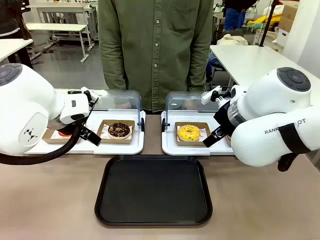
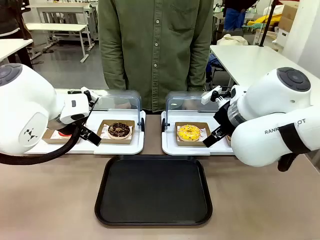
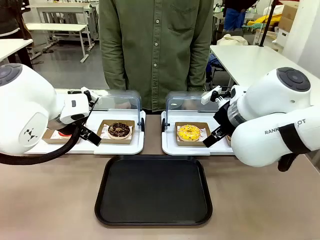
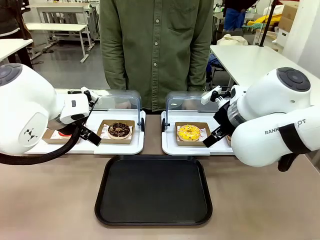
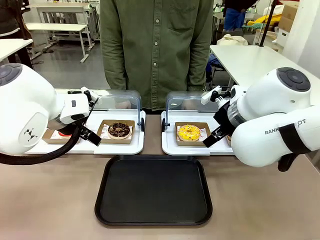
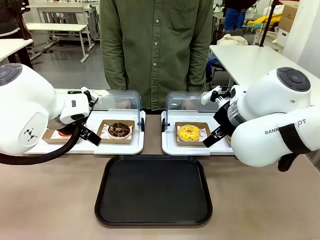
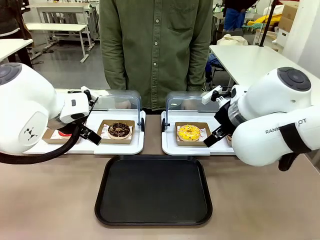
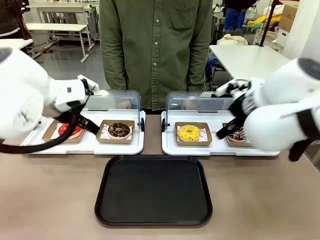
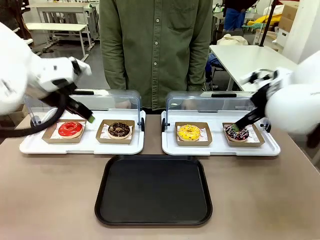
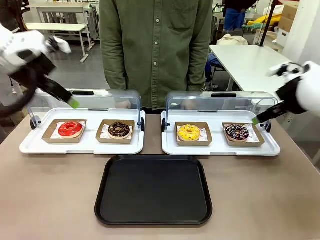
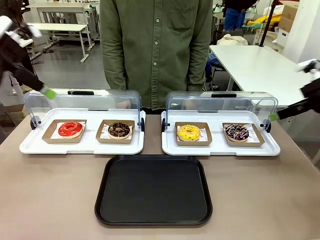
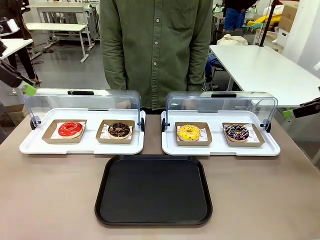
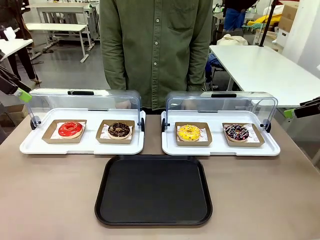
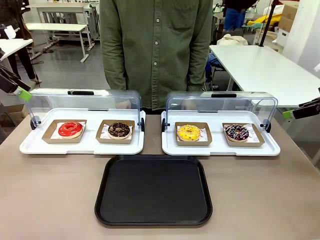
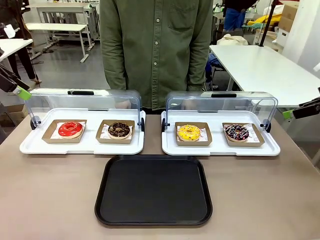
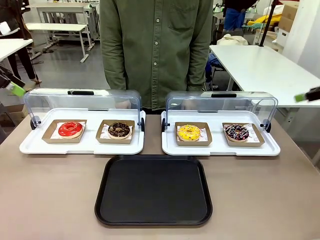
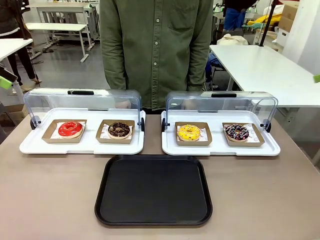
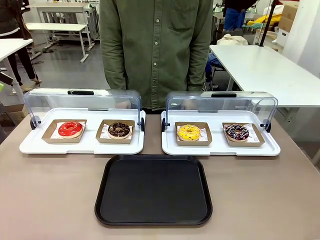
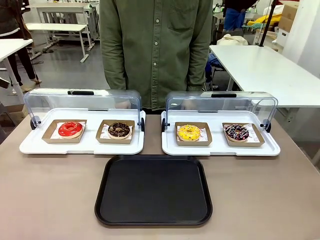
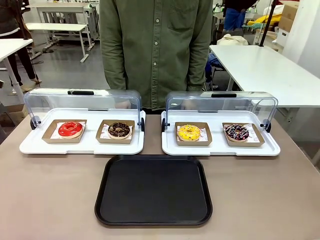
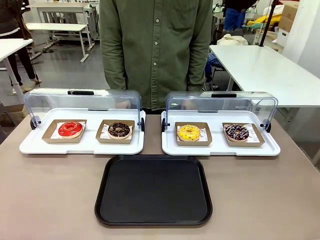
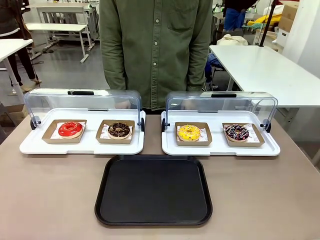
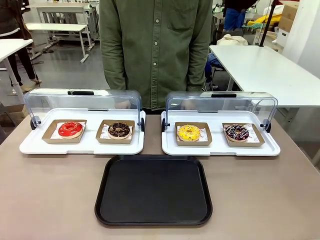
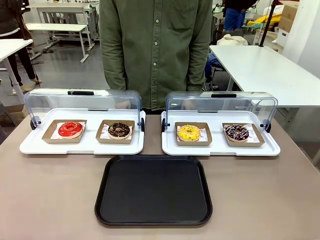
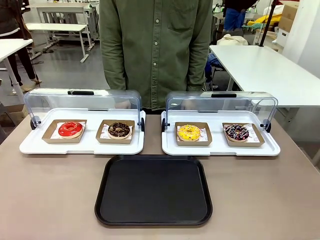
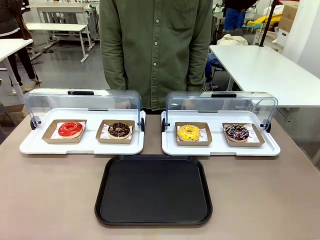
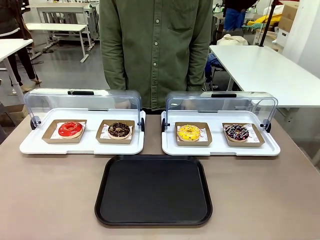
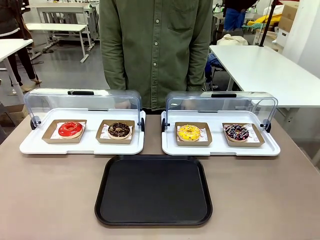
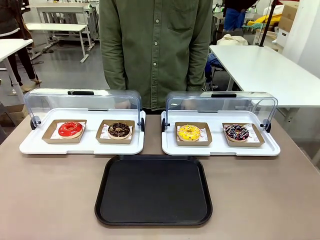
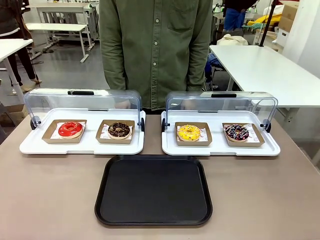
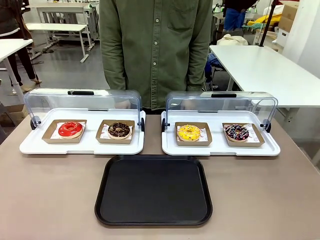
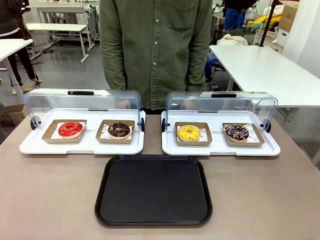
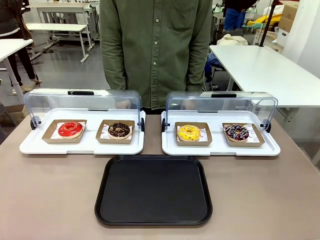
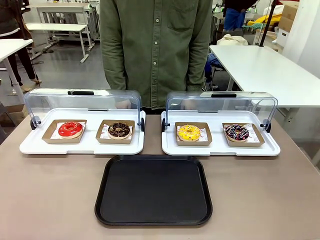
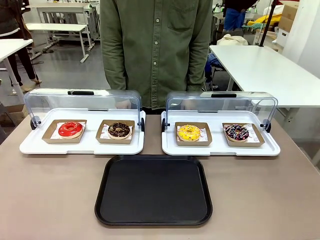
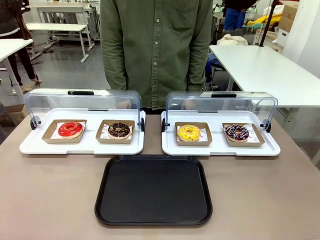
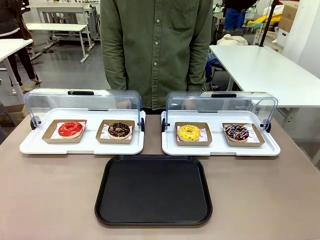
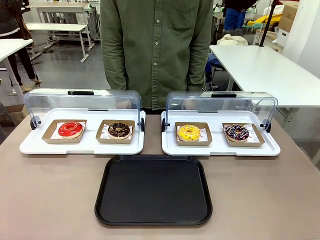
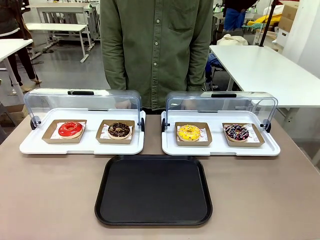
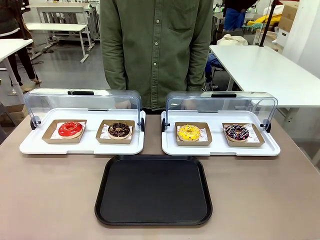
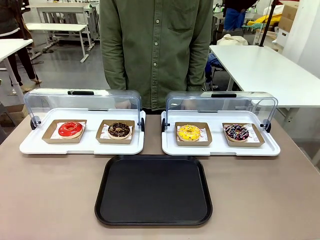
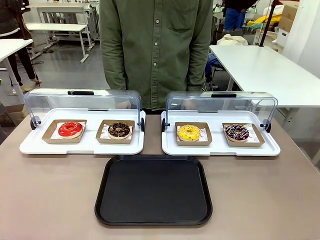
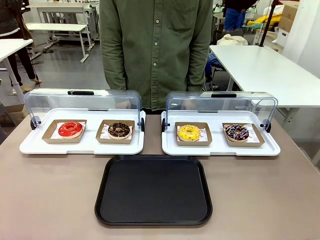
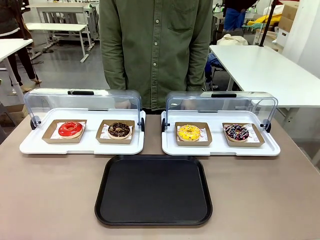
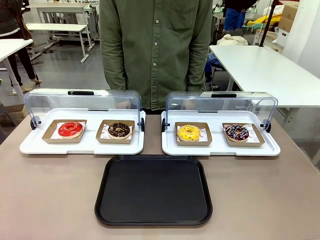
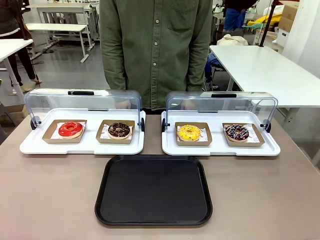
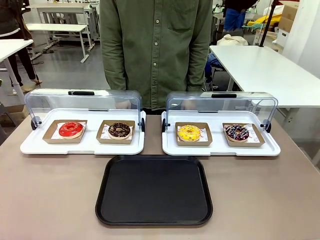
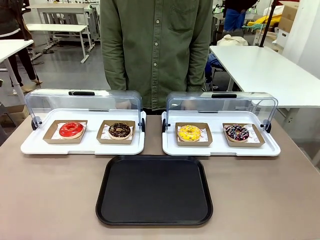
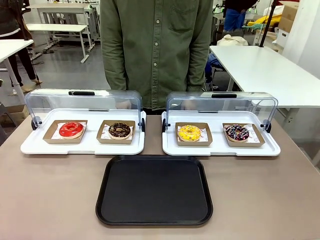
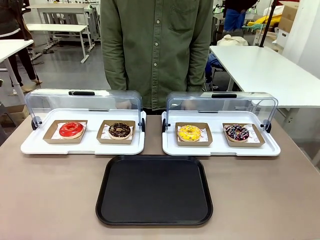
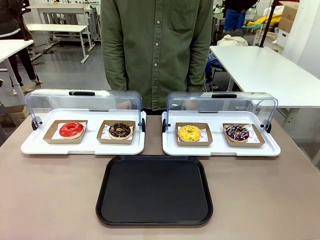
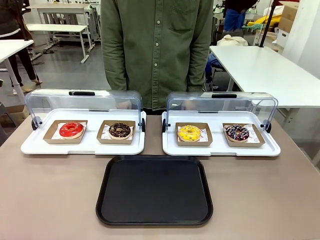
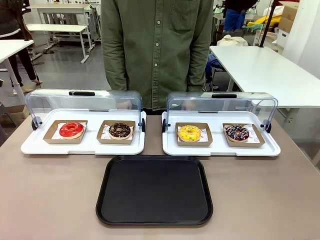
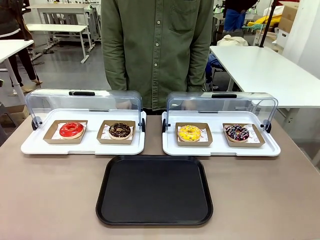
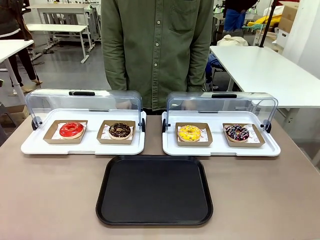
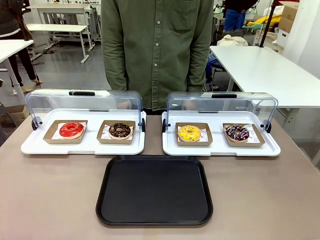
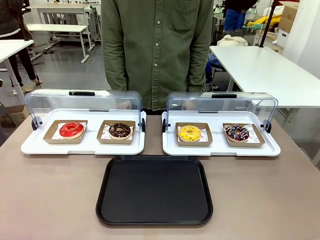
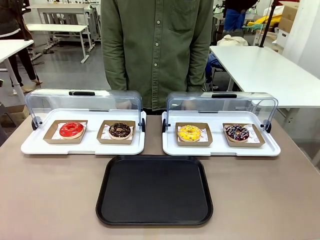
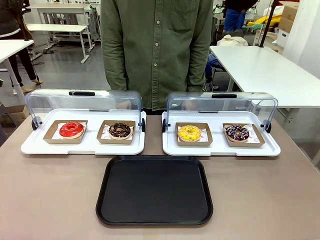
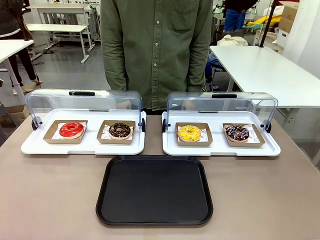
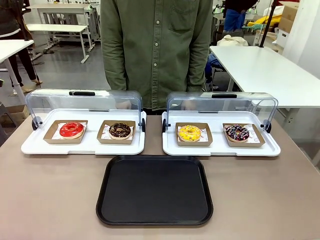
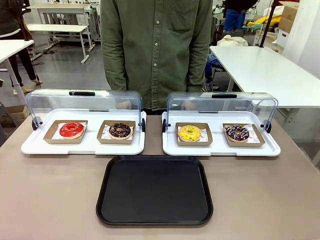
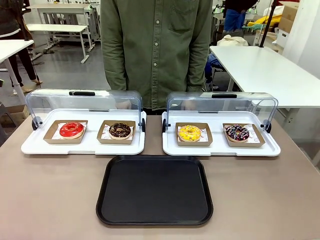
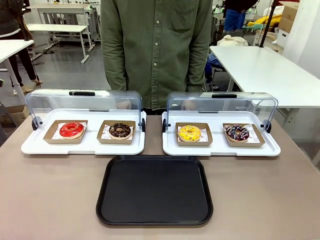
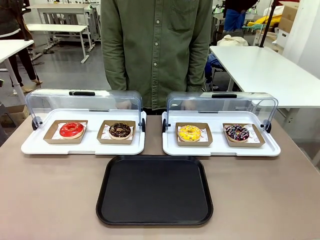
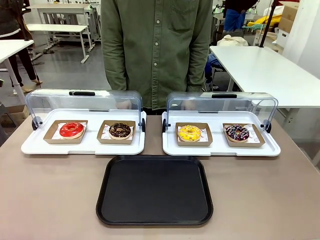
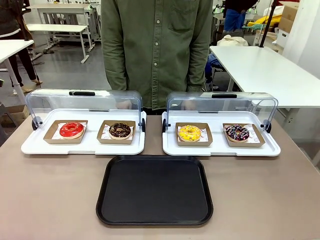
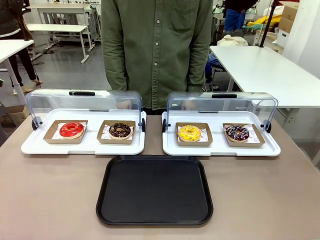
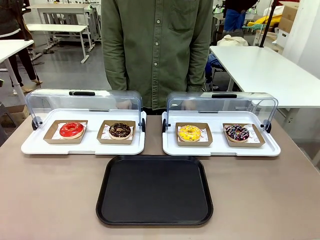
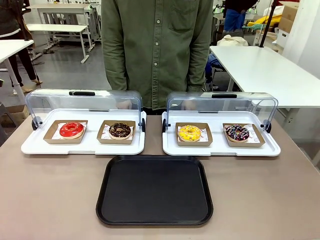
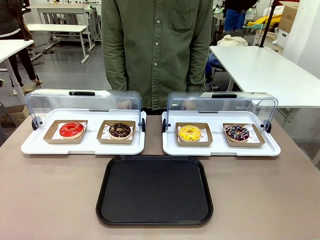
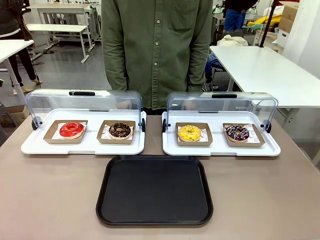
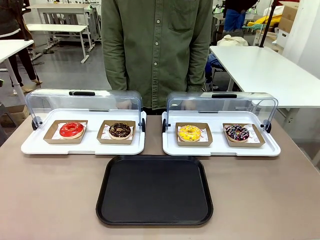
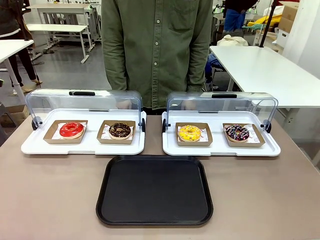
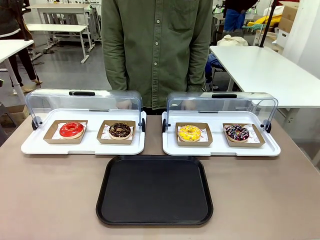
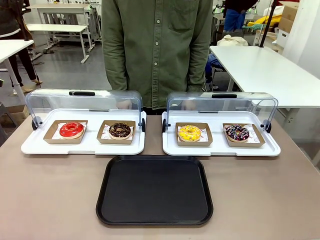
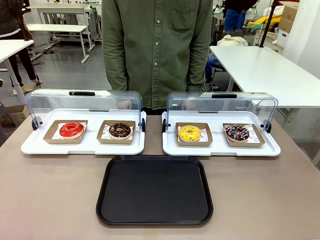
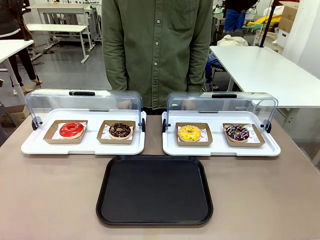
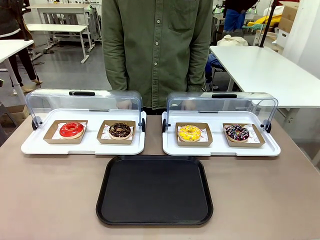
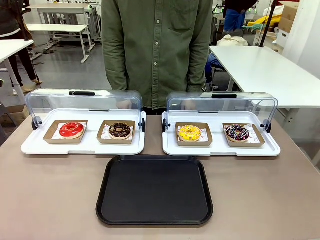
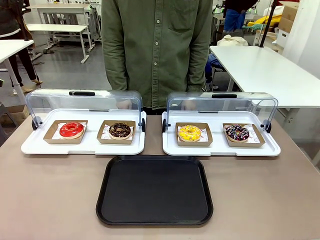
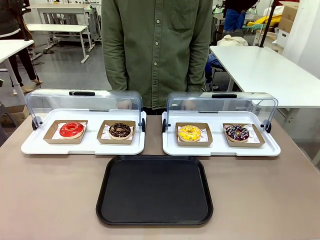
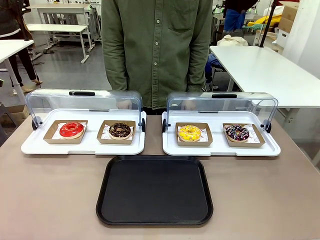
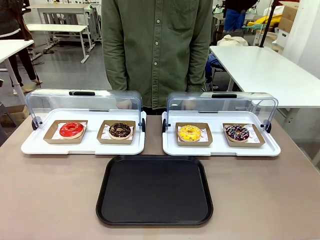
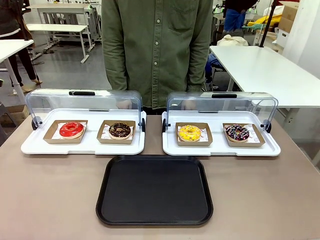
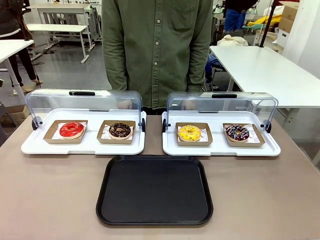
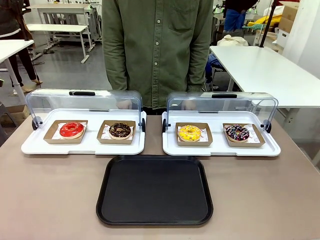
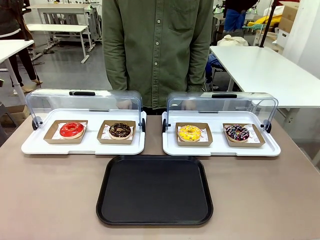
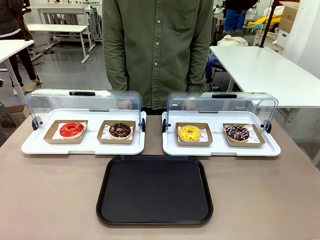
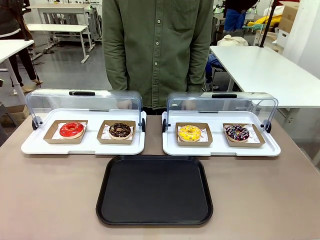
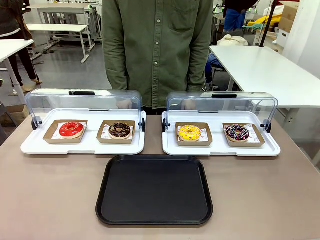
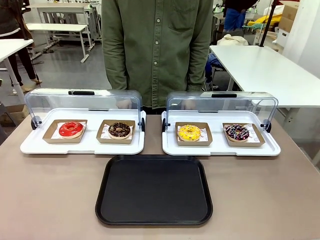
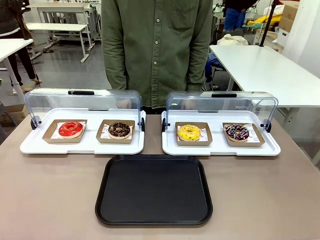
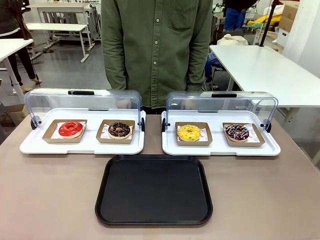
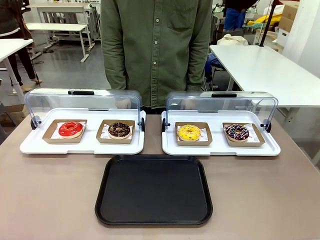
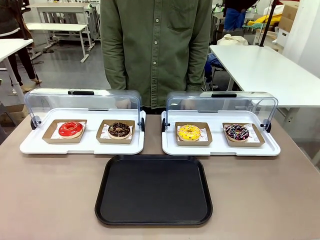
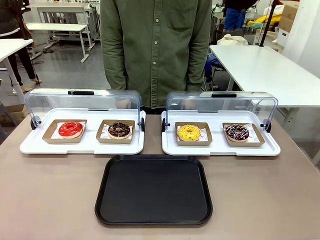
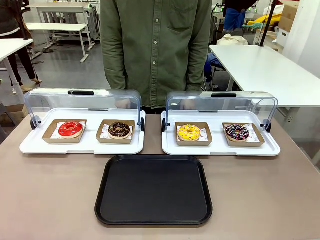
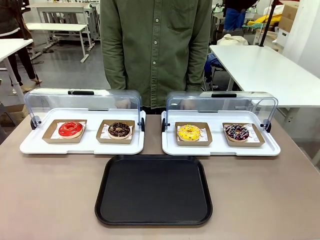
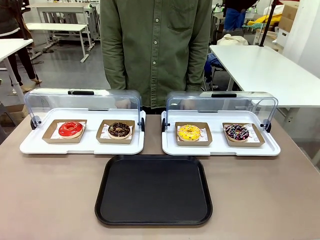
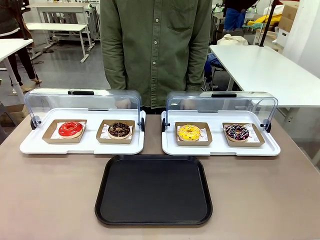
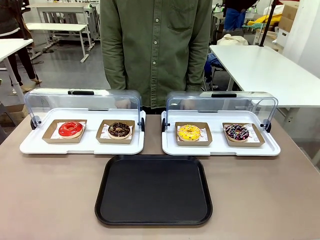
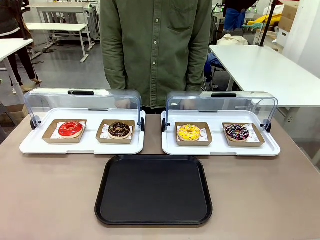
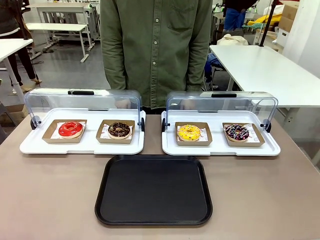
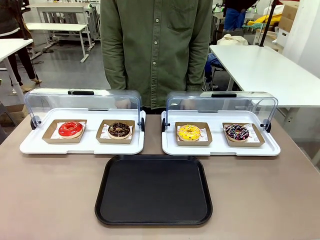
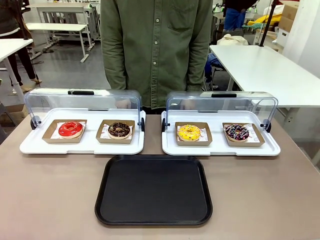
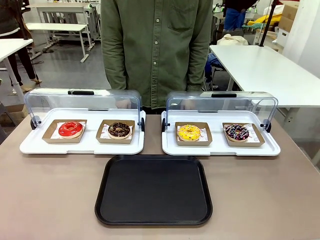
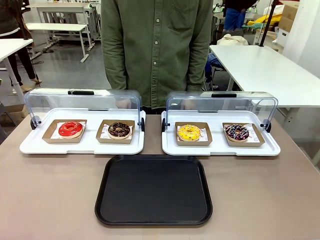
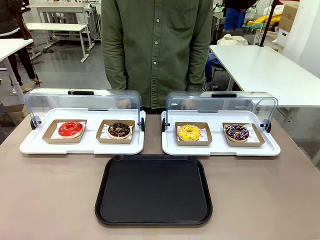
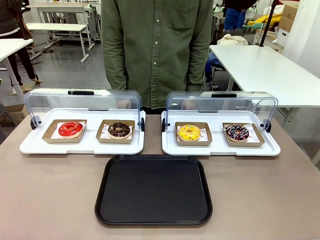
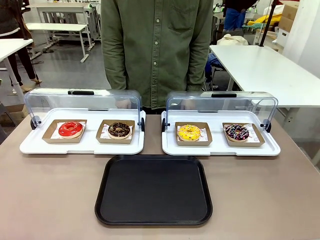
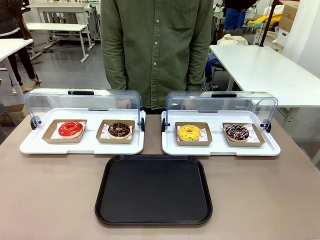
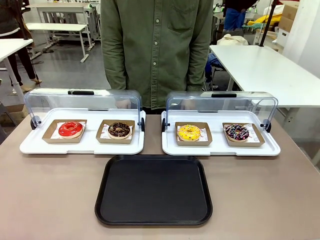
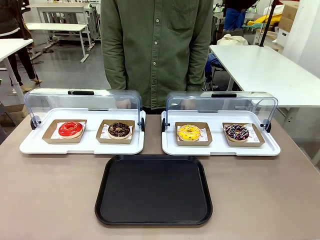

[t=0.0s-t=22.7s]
Task: Move the third donut from the left to the tray.
Robot: Pick up the Paper togo box containing the Donut indicated by the person and place it on the Handle tray.
